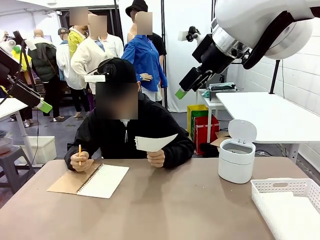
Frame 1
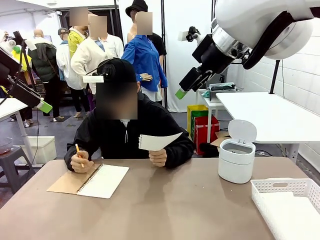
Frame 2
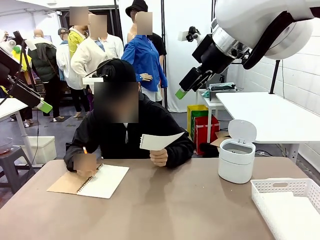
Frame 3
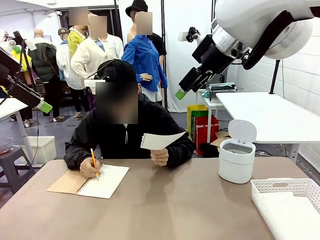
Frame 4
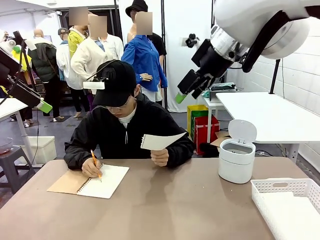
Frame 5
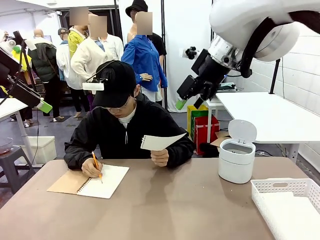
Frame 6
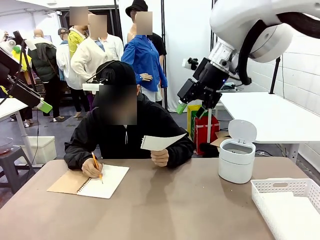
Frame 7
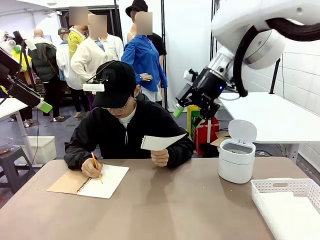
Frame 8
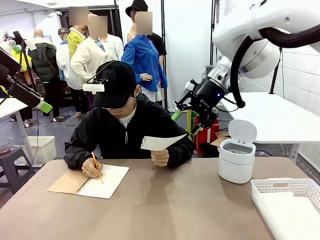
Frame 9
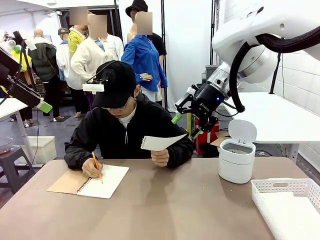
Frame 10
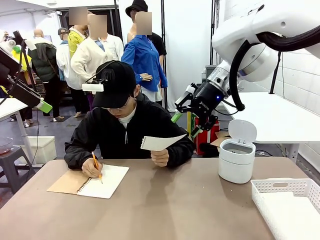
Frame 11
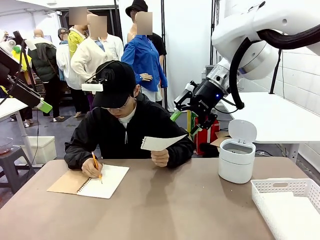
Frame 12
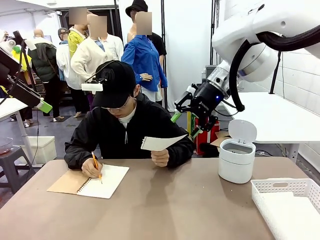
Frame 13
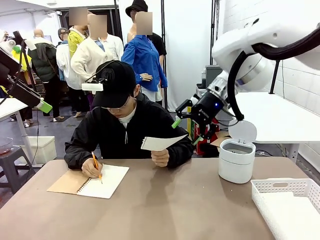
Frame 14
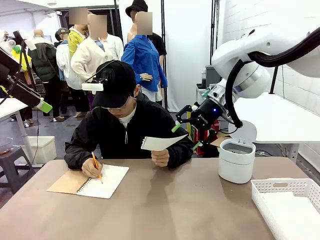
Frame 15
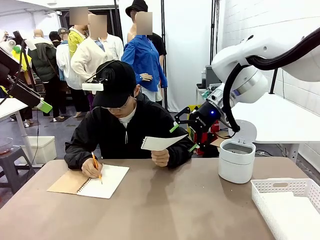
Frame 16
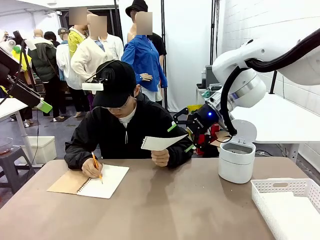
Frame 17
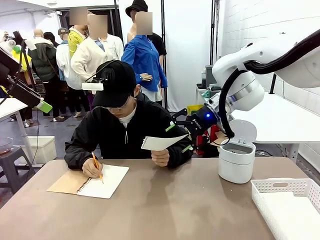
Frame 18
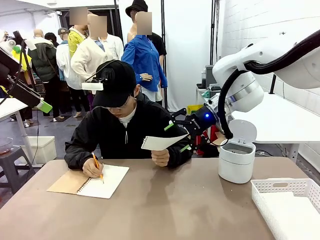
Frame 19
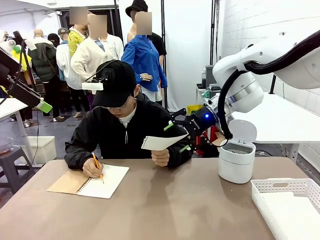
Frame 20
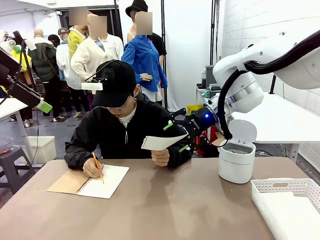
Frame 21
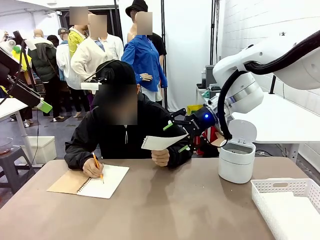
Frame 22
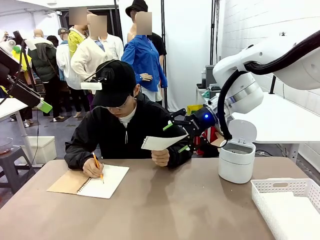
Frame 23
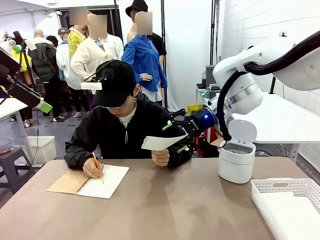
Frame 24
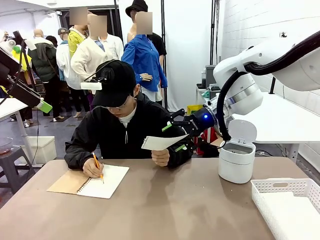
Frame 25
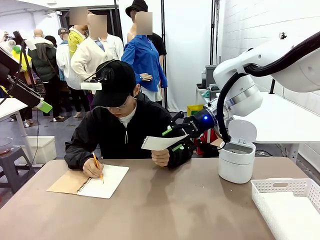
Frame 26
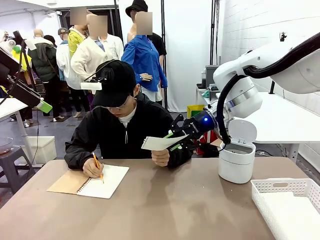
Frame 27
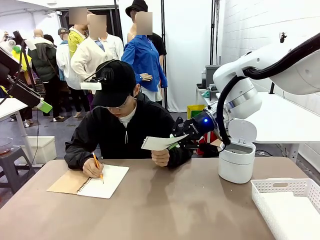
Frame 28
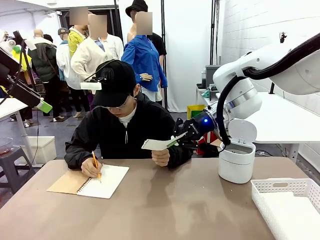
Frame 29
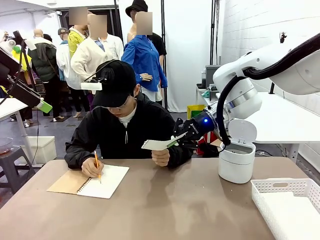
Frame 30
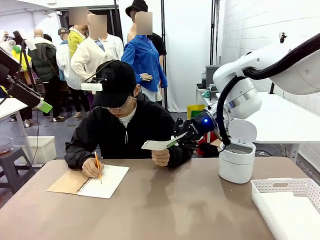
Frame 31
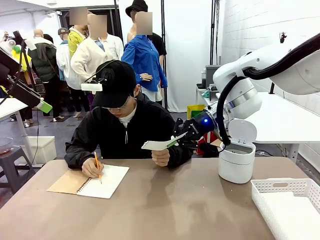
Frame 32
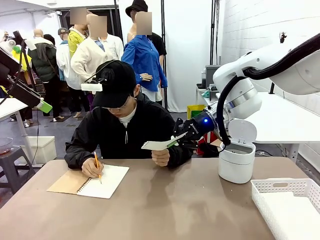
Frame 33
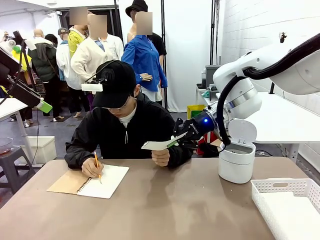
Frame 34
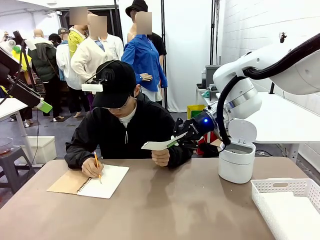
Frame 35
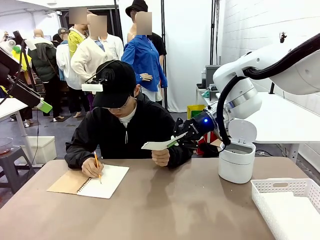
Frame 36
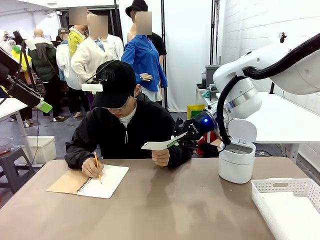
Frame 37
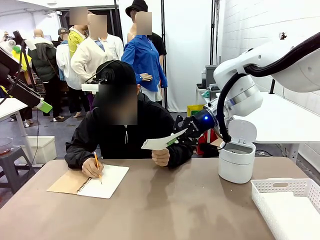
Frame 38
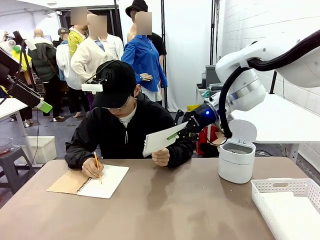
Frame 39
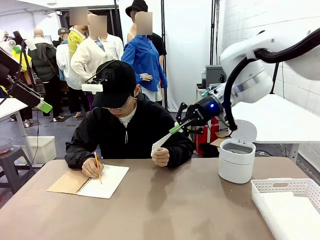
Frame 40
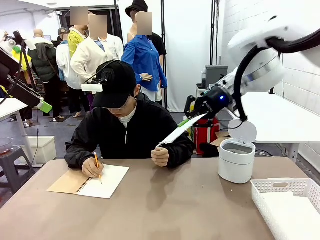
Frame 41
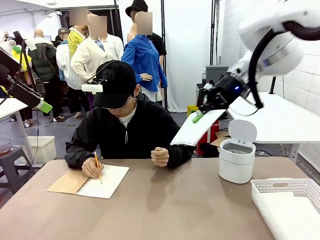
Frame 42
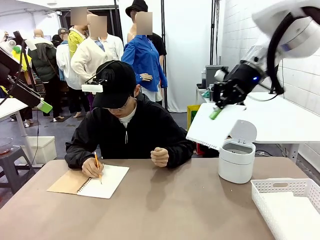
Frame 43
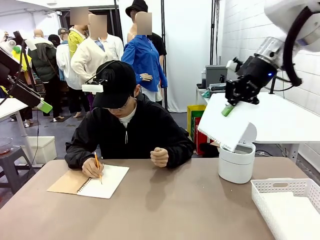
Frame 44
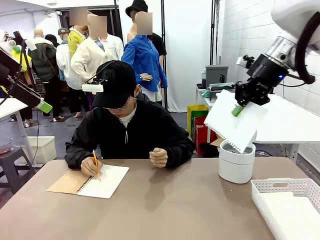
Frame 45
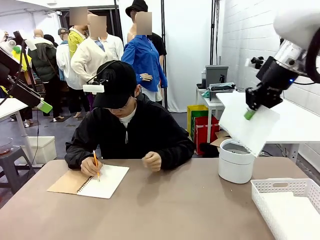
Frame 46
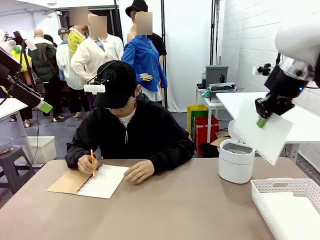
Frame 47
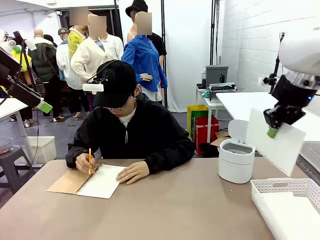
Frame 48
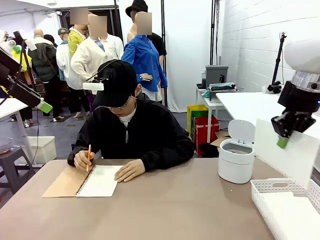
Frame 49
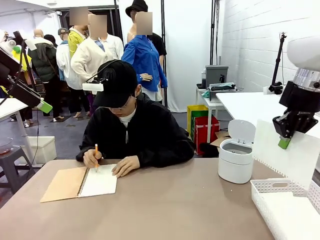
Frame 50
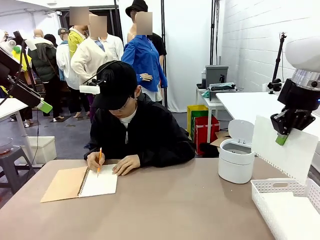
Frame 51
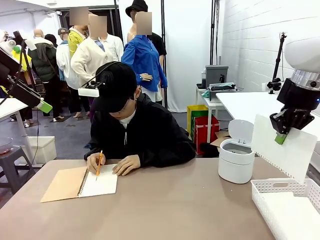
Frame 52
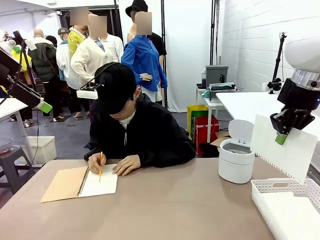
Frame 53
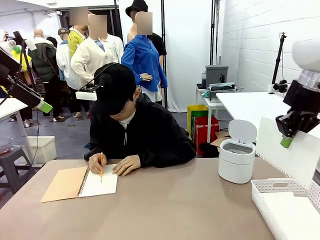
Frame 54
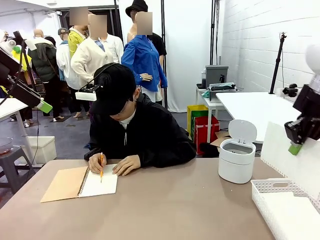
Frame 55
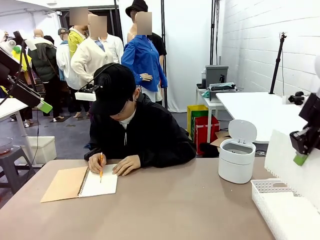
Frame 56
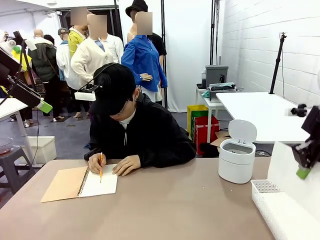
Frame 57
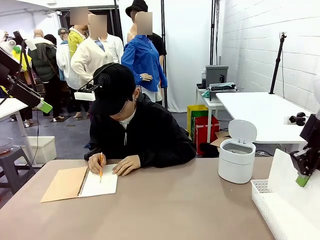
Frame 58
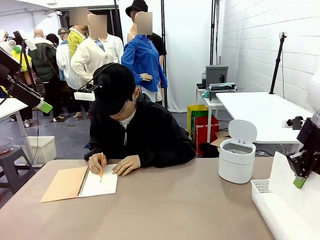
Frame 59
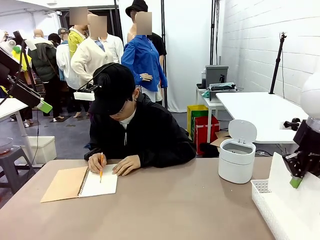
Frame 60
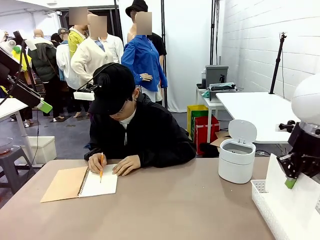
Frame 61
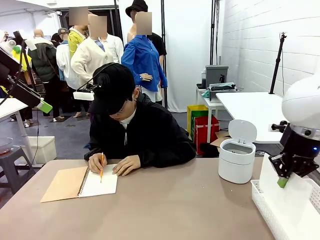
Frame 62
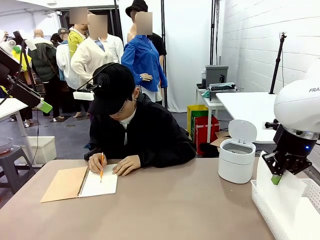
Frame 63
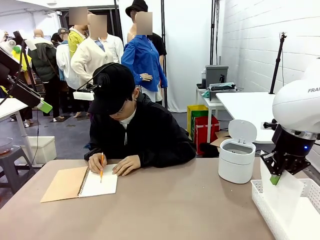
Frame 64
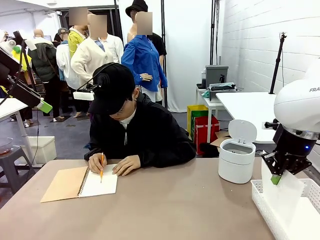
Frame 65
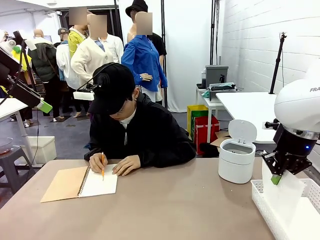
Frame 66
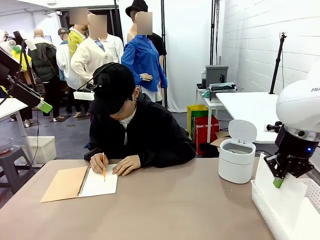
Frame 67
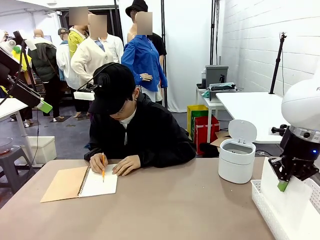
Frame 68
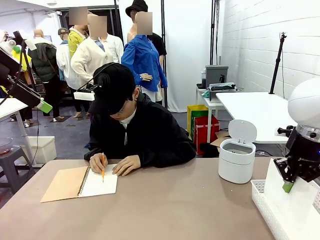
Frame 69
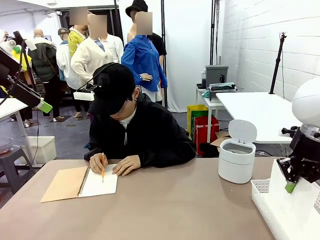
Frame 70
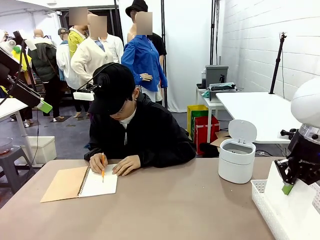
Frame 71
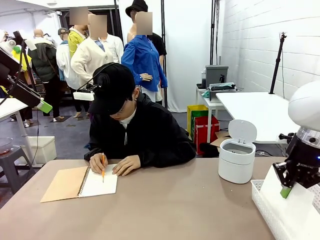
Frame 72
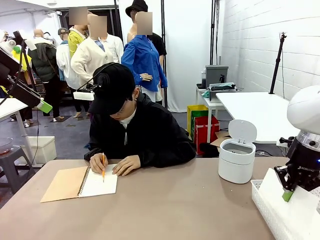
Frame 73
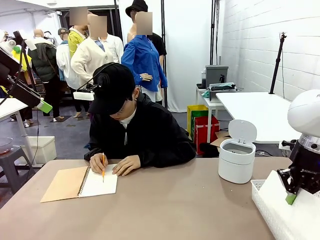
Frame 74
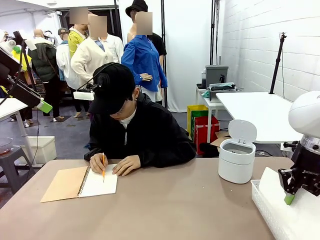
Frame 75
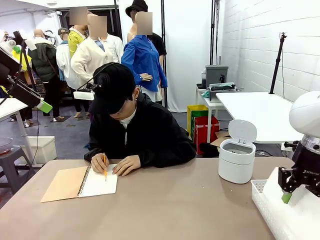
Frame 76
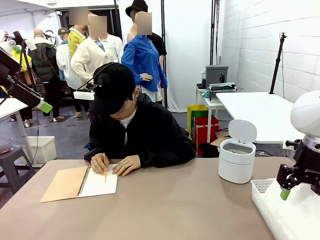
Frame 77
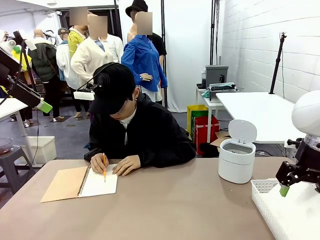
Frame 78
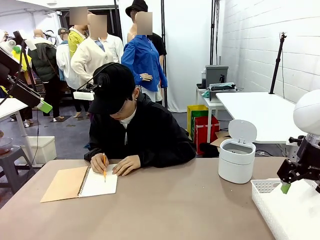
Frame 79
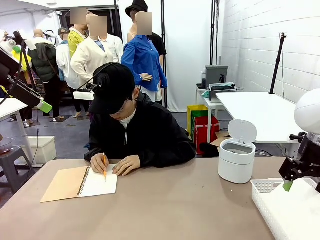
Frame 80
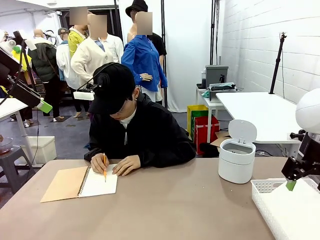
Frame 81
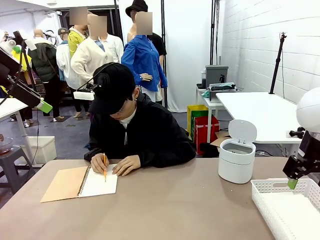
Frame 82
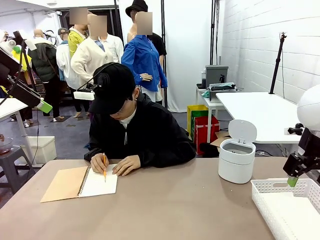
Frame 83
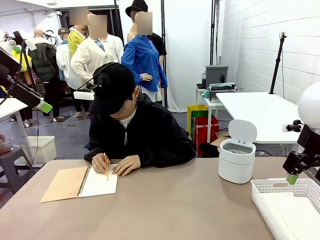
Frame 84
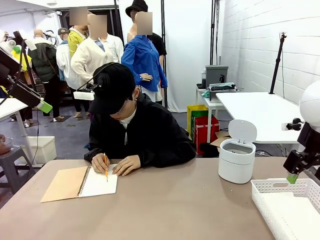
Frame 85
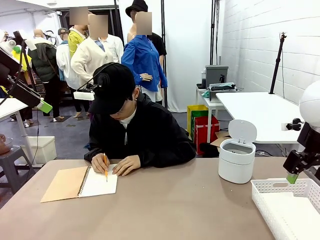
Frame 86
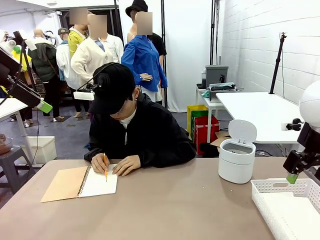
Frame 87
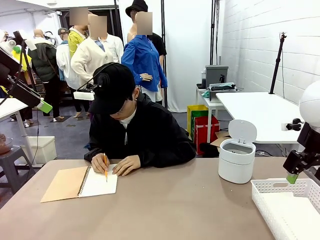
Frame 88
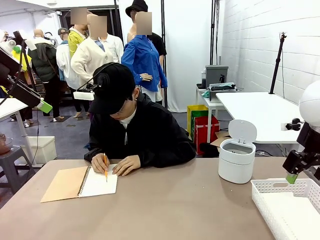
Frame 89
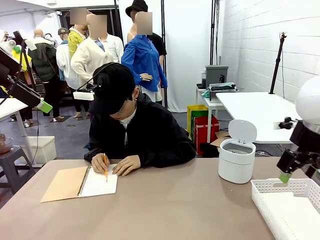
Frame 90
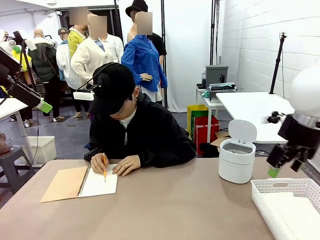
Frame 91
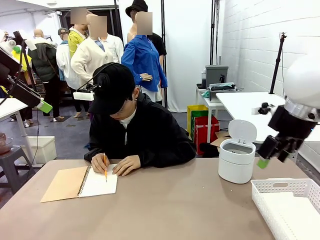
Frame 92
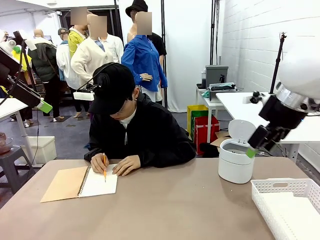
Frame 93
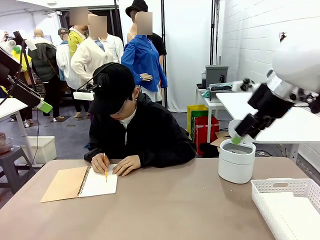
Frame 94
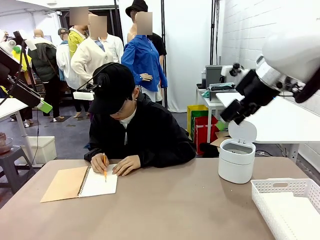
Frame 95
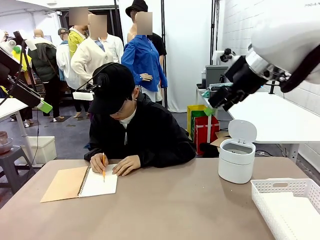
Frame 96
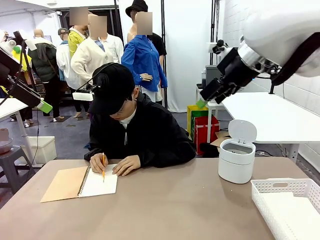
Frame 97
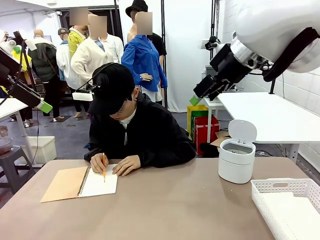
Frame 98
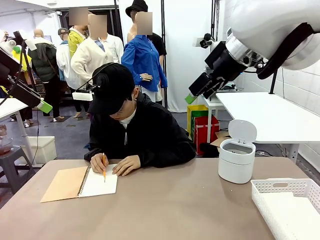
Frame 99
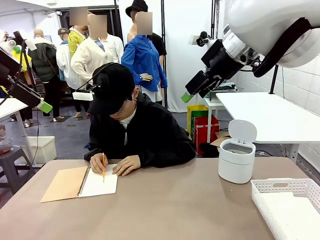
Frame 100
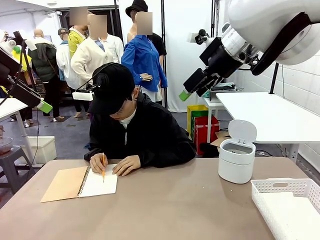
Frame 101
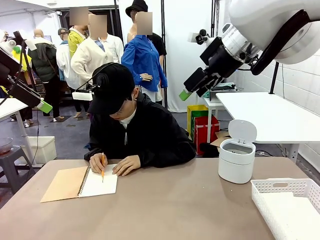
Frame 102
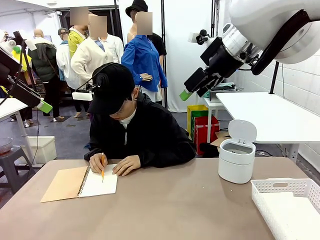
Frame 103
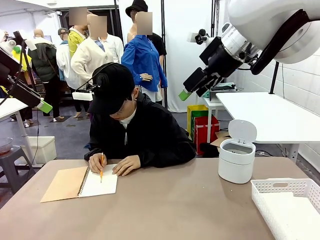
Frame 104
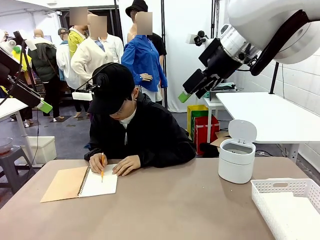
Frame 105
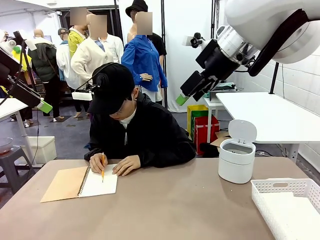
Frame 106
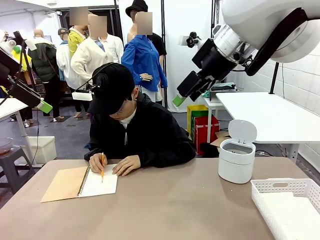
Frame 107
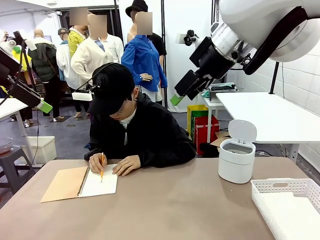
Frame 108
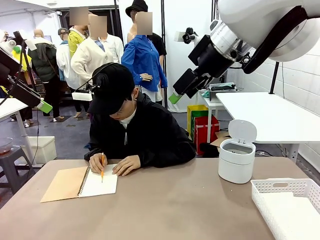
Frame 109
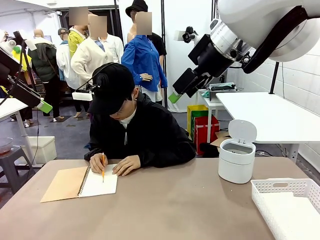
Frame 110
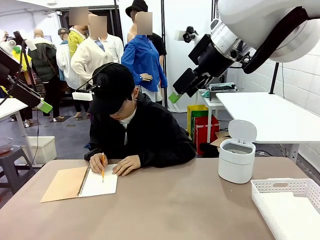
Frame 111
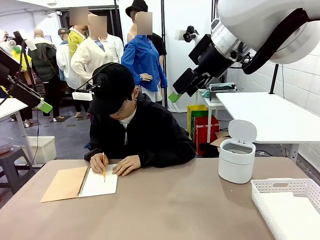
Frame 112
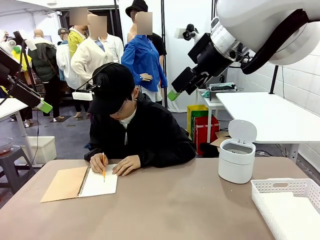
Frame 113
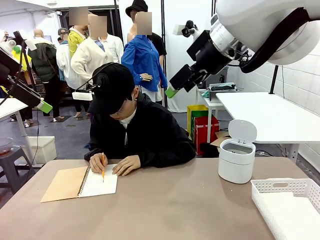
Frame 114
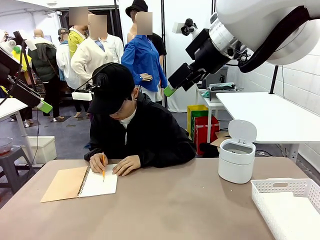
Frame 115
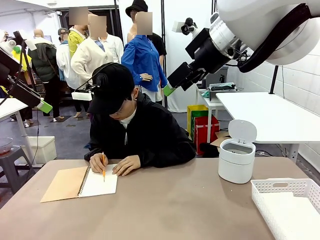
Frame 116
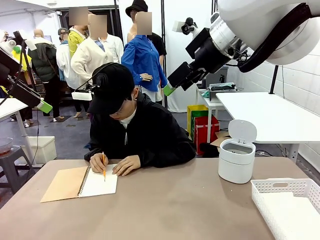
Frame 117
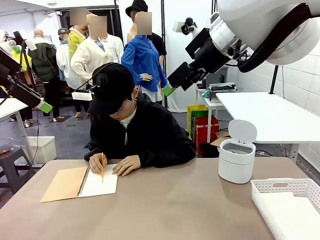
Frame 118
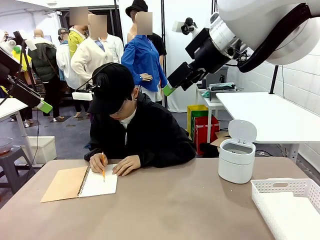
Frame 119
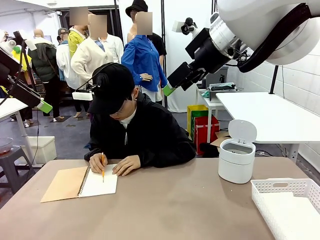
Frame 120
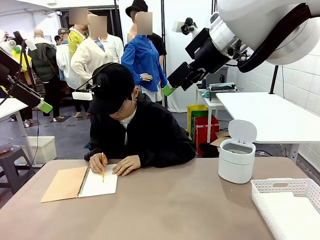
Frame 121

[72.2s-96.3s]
Task: Sort the paper based on its condition.
Robot: If a person hands you a paper, place it in the Organizing basket , and if it's crumpled, put it in the Trash can.
Person: Hand the torn page to the robot or crumple it and throw it to the center of the table.
